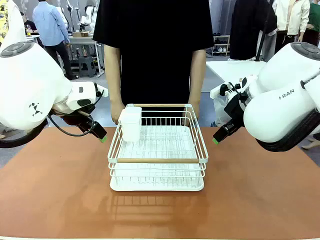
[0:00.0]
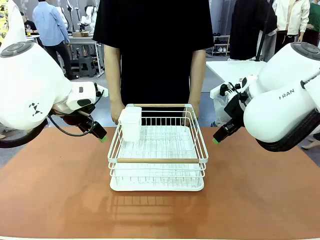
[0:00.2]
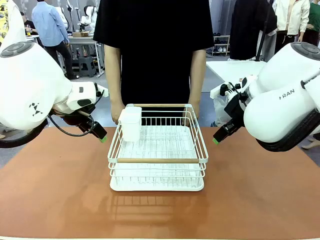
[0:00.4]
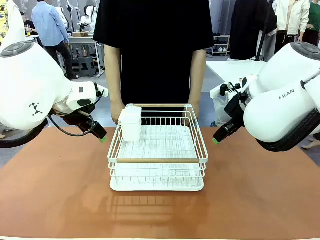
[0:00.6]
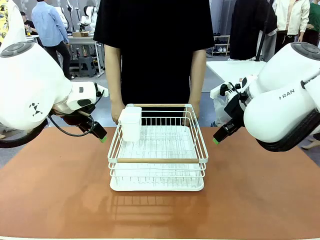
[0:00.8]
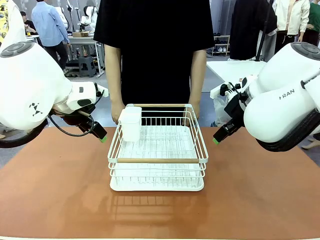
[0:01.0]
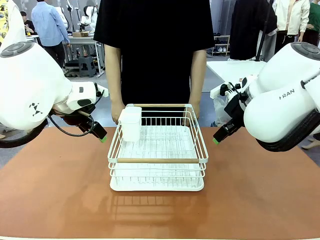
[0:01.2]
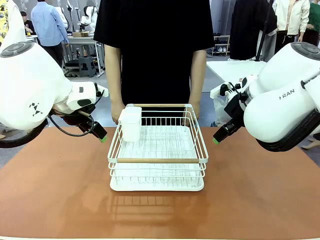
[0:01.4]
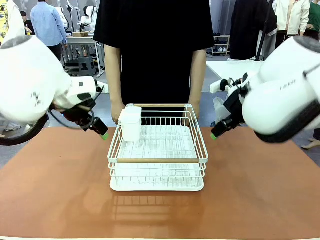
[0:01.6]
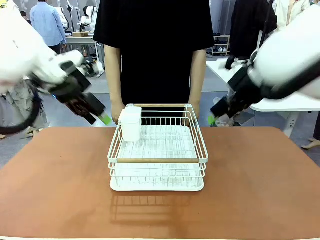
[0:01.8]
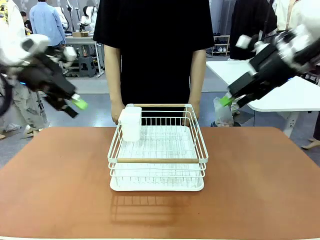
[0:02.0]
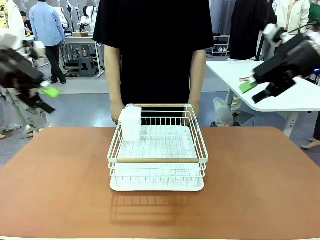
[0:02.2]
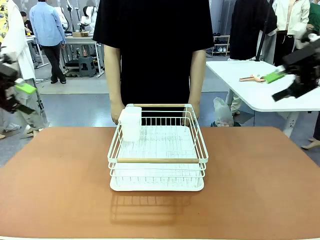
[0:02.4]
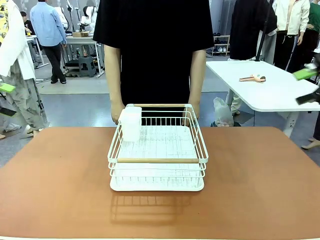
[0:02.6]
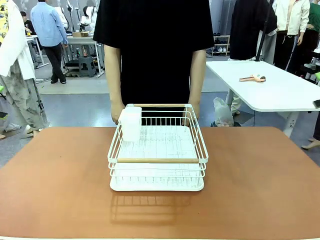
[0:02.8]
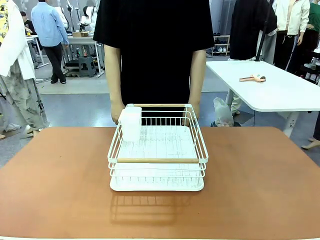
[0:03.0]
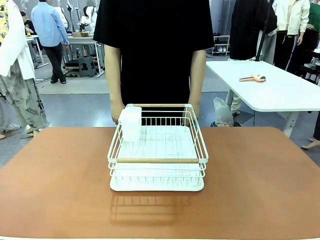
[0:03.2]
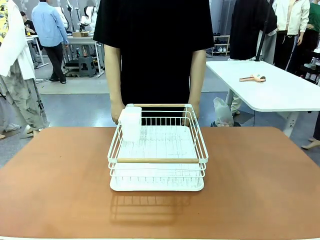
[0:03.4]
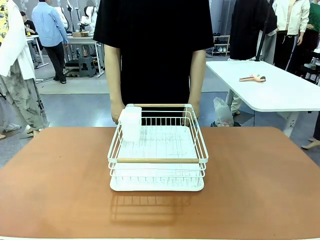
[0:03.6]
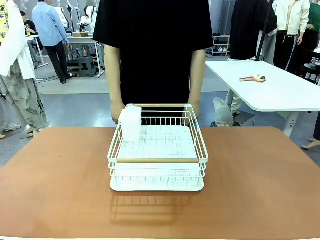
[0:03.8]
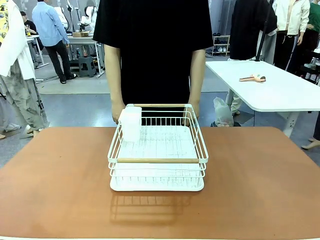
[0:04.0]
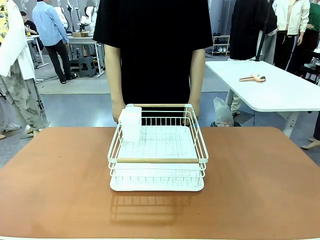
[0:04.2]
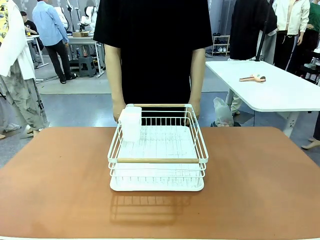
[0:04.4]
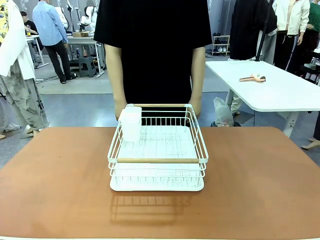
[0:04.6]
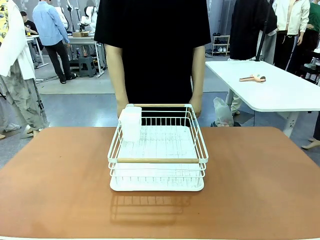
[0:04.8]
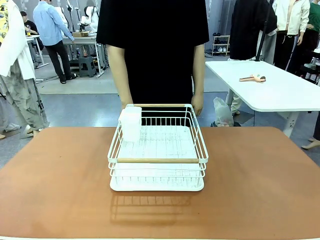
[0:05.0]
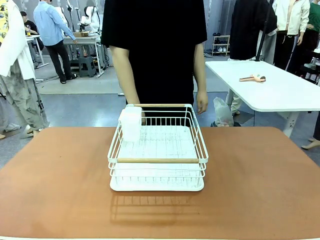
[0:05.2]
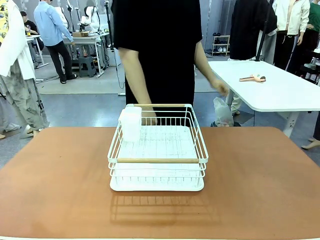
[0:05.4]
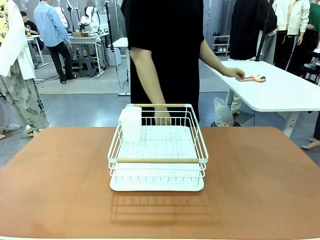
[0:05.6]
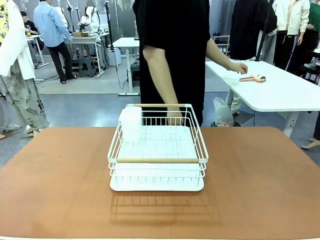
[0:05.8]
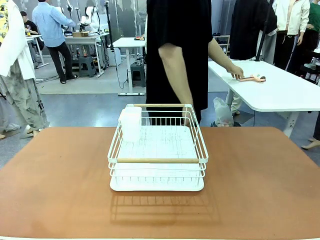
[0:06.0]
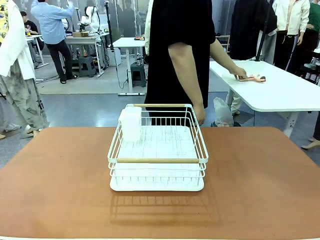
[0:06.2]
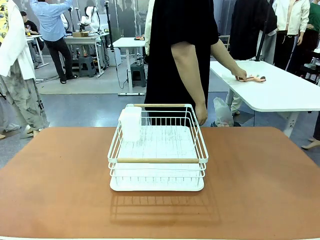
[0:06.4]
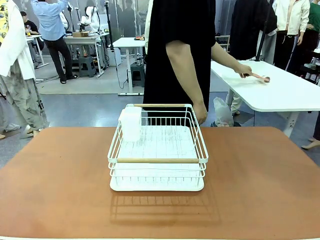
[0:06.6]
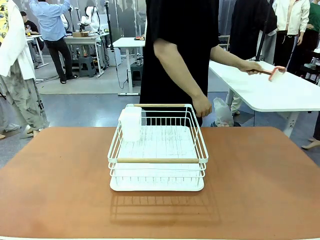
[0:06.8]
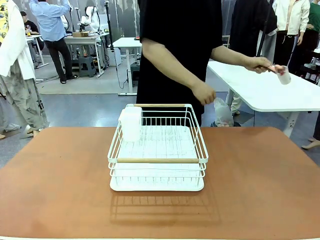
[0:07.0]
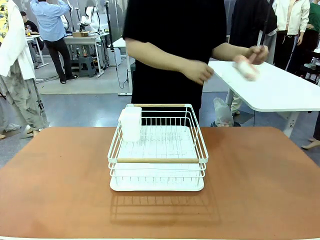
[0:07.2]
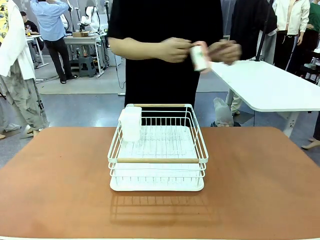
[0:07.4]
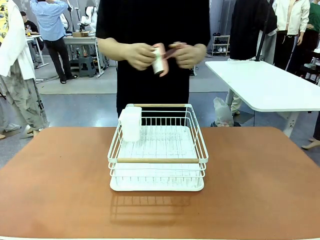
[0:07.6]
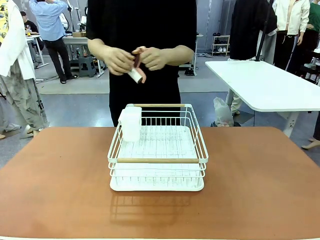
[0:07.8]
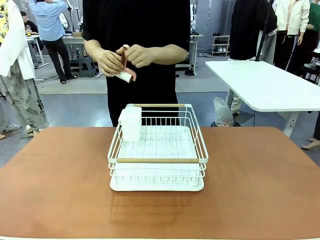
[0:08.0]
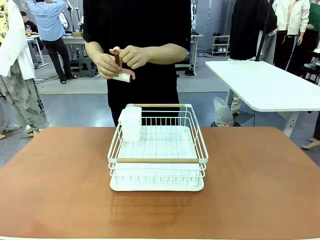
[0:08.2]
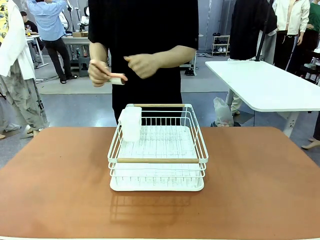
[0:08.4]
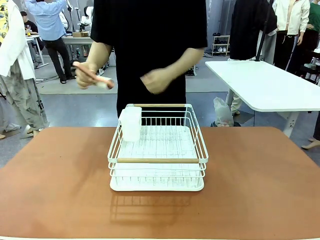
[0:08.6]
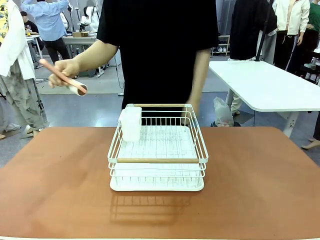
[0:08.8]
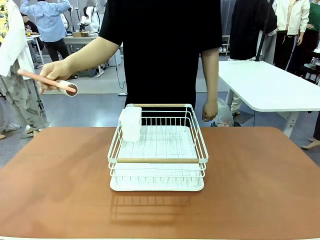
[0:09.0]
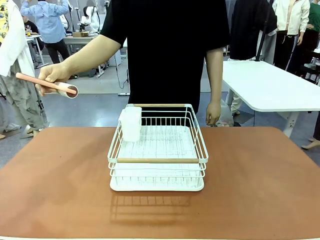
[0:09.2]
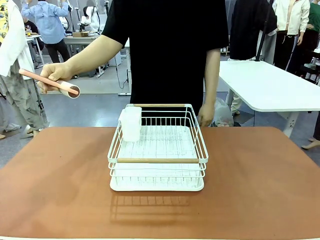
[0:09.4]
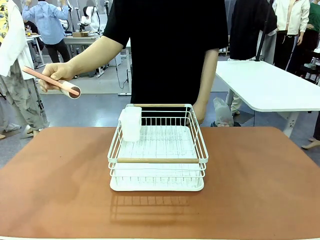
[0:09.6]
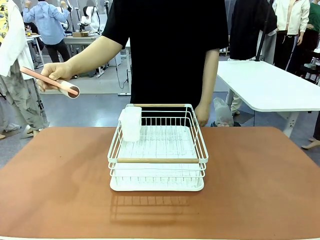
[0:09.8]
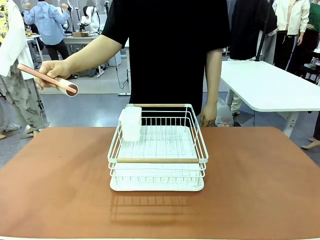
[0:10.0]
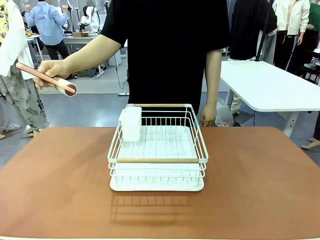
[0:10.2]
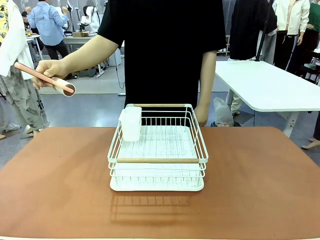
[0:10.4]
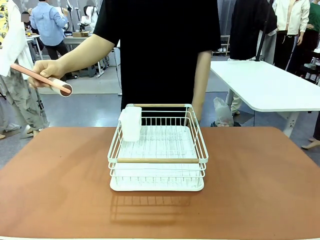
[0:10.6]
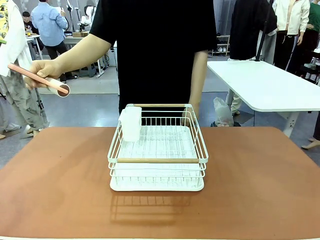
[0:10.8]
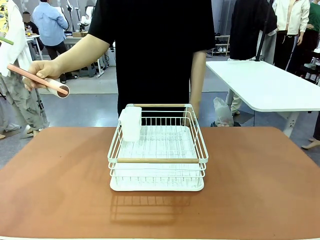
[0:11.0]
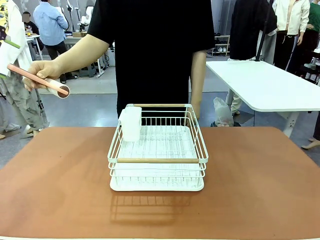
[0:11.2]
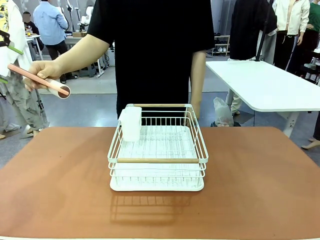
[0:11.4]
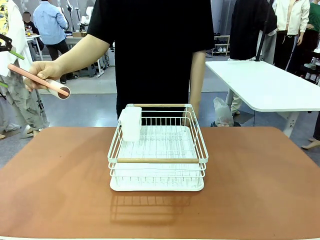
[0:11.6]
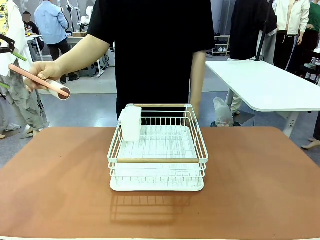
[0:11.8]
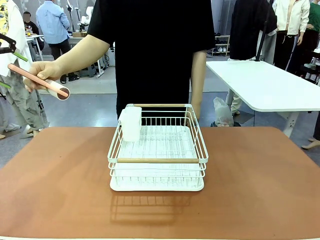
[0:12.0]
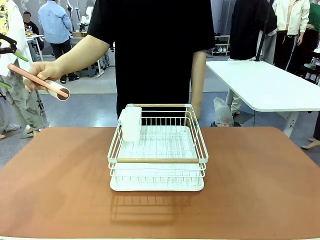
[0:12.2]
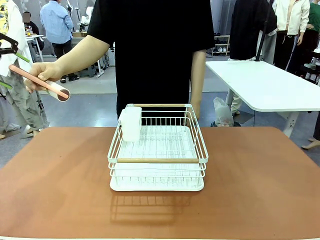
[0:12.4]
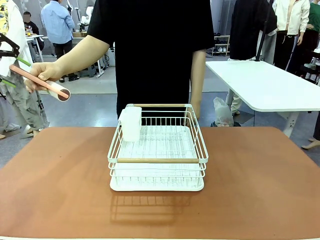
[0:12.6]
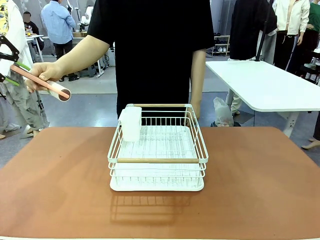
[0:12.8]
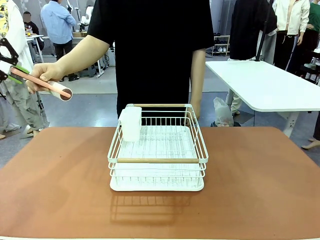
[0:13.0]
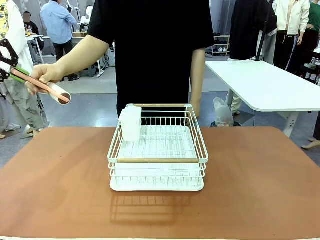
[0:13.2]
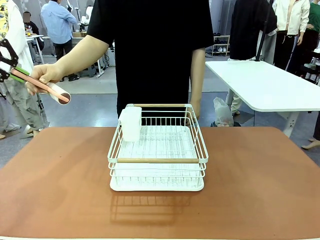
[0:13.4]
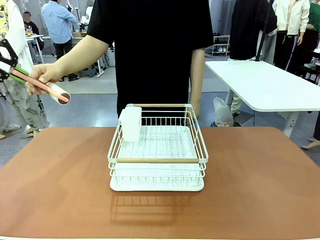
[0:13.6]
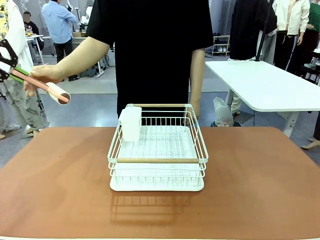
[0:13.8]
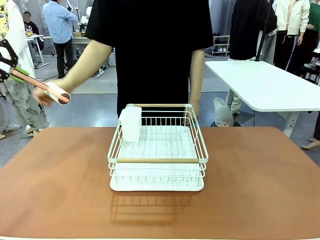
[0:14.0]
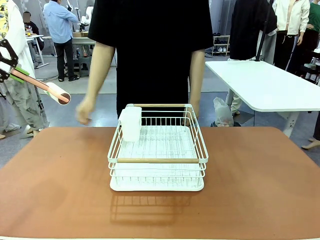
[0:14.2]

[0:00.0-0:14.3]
Task: Clean the table.
Robot: Pick up the Lint Roller when the human hands it over.
Person: Hand the Lint Roller to the robot so it can easily pick it up. Lift the Dish drying rack.

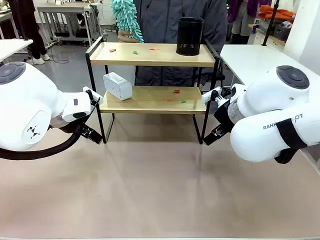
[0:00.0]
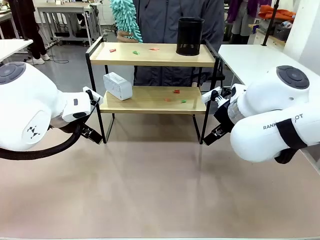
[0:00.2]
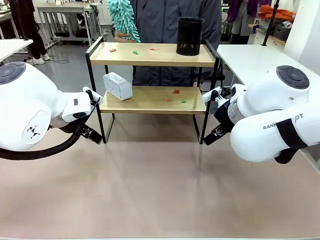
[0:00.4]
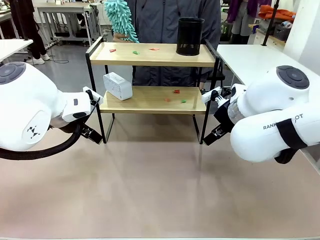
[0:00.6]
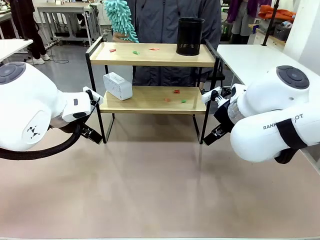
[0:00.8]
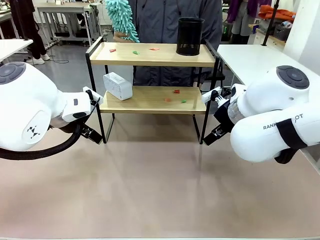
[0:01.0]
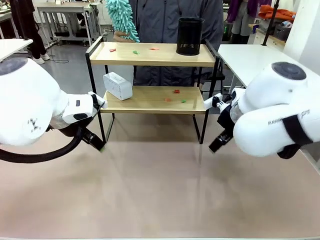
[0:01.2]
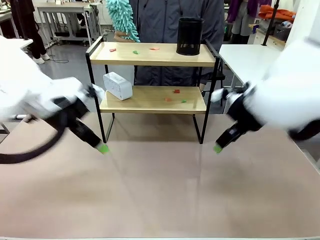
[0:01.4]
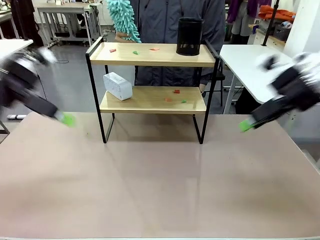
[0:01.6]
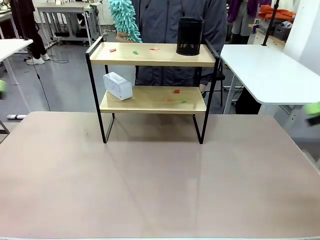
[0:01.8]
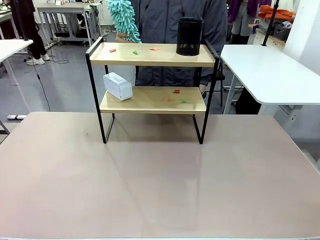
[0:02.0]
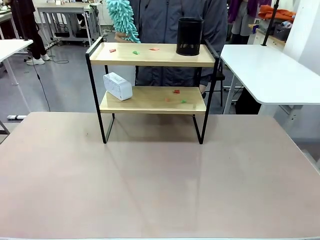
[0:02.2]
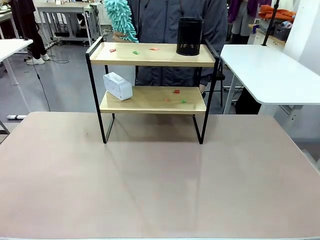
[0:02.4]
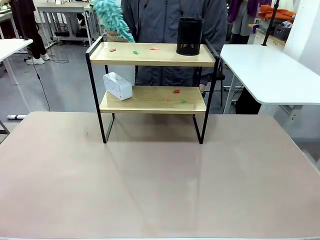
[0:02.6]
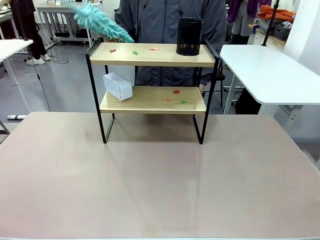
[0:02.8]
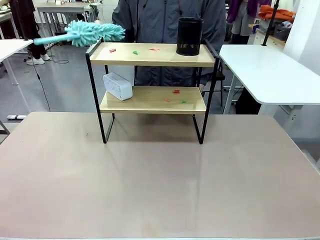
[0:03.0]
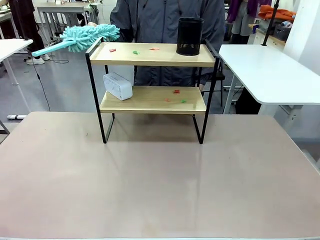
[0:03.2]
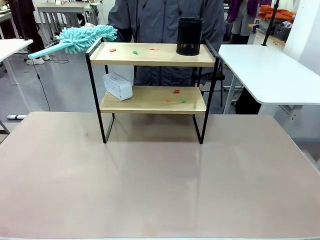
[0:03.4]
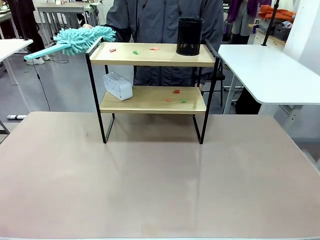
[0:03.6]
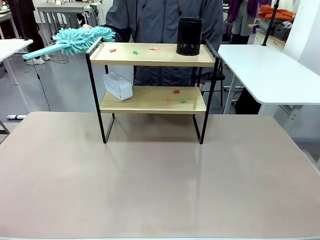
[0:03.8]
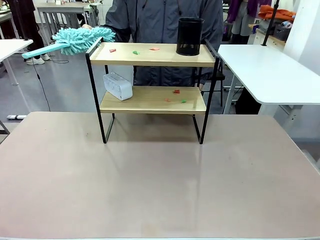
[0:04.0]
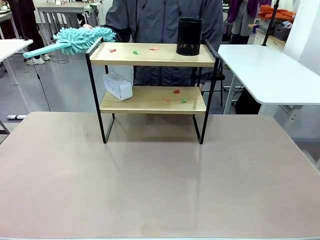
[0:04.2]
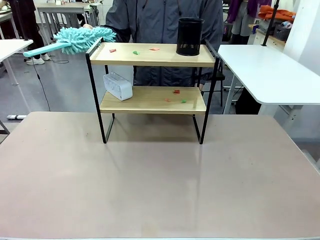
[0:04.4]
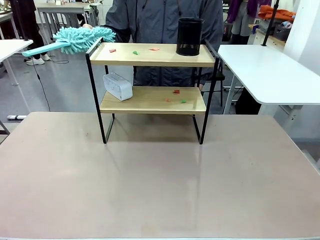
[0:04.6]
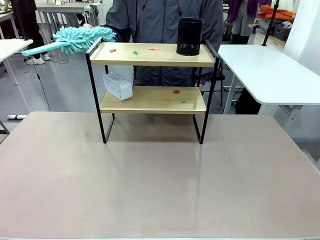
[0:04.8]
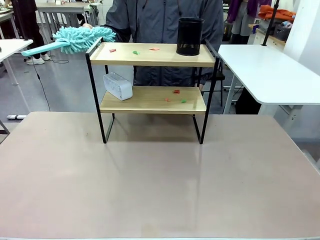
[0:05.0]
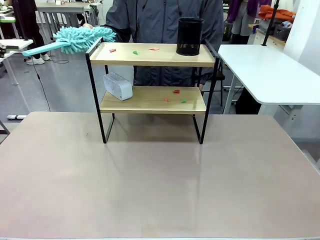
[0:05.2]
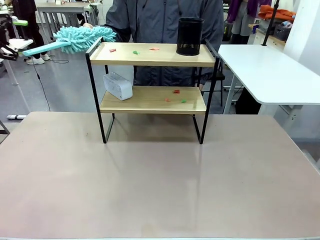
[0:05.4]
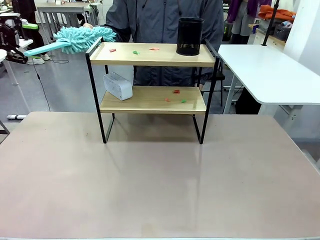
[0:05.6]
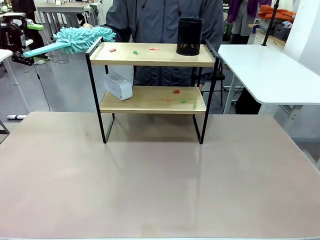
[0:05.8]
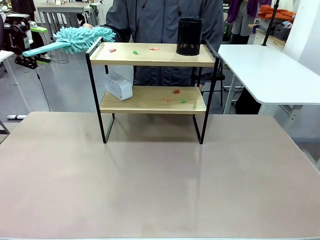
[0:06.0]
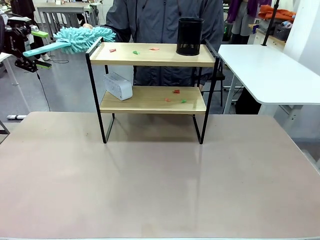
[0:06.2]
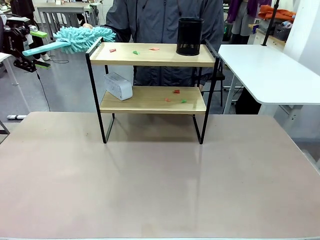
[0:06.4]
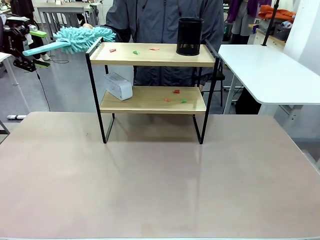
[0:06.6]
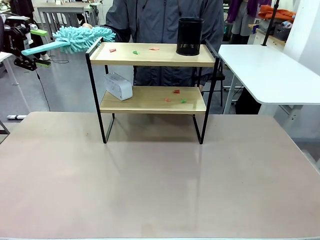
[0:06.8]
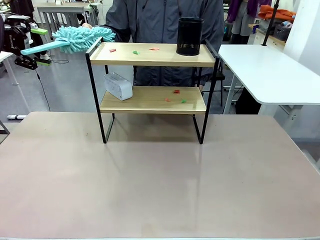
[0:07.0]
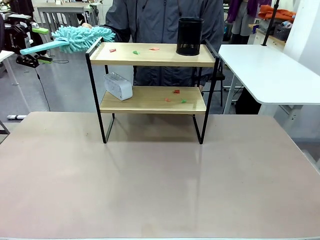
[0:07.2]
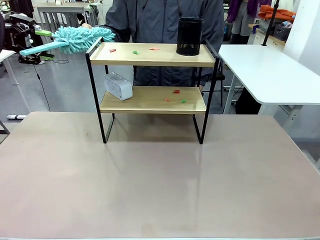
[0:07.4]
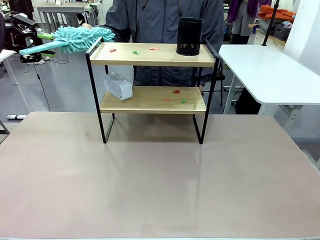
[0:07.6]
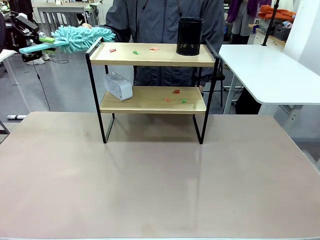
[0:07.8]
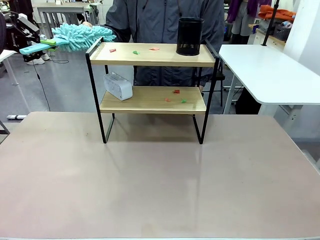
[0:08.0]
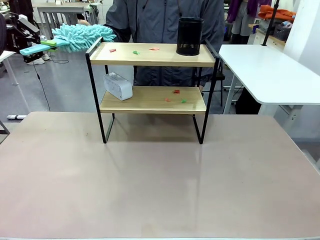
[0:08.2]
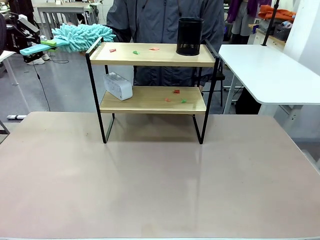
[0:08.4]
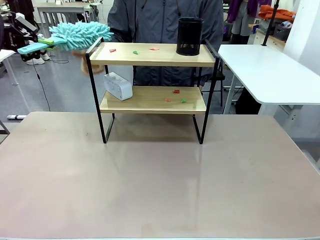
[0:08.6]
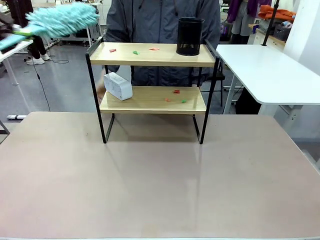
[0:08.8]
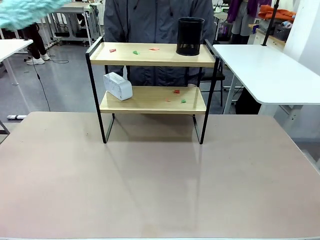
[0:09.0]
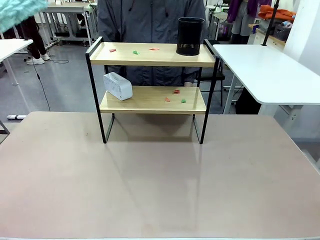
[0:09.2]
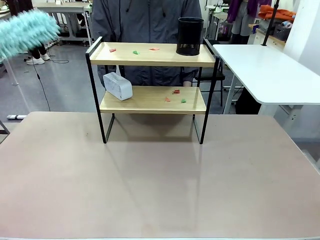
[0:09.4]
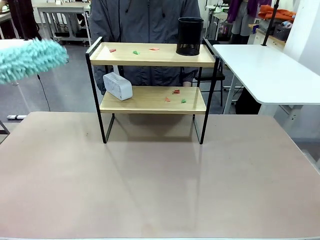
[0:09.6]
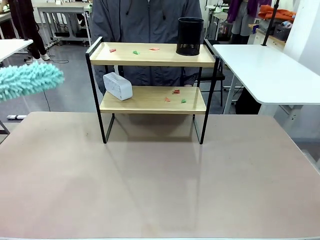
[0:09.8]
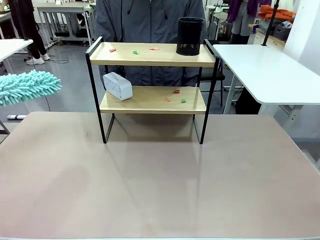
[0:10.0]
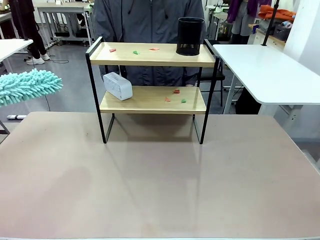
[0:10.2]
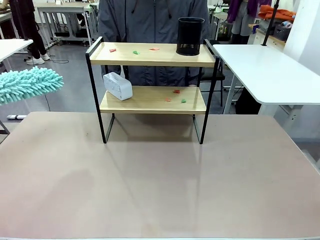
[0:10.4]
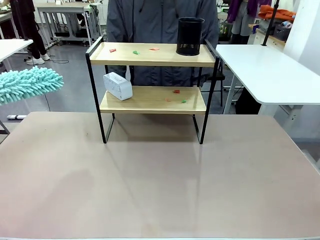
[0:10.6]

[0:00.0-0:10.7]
Task: Clean the shelf.
Robot: Pick up the Duster from the human.
Person: Hand the Duster to the robot.
